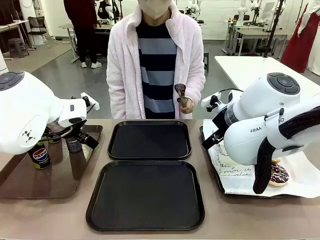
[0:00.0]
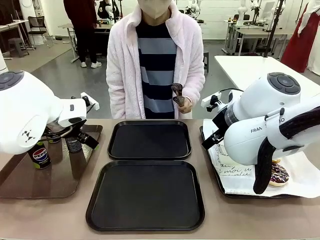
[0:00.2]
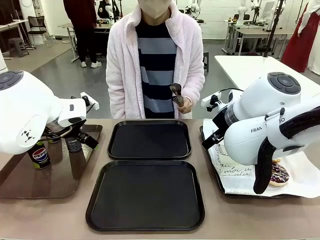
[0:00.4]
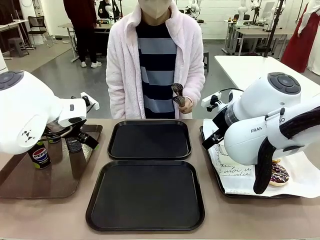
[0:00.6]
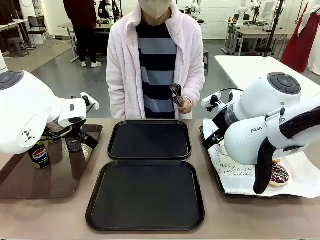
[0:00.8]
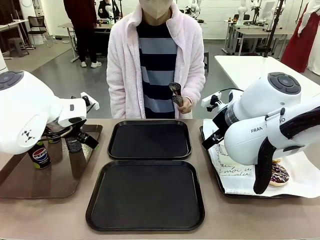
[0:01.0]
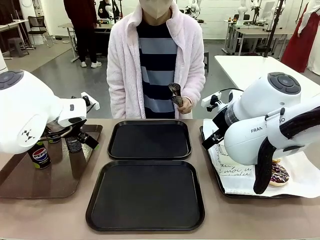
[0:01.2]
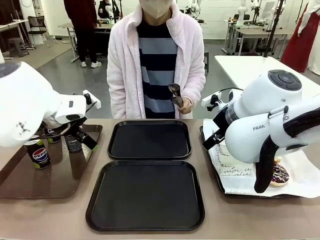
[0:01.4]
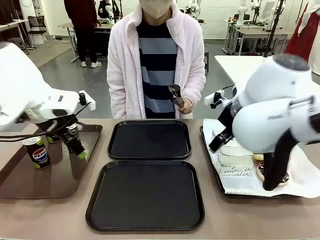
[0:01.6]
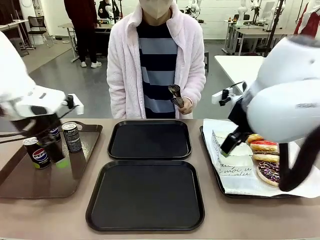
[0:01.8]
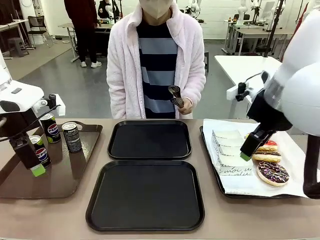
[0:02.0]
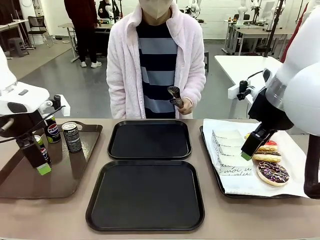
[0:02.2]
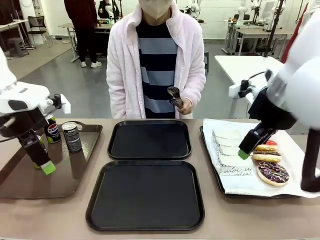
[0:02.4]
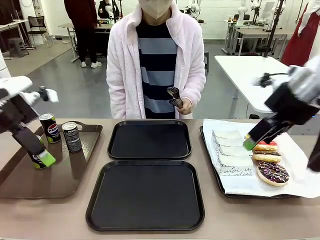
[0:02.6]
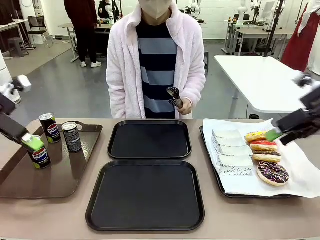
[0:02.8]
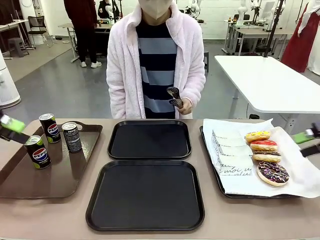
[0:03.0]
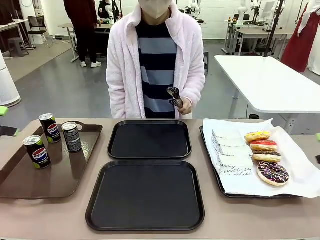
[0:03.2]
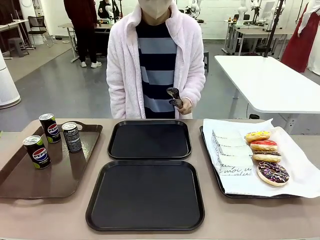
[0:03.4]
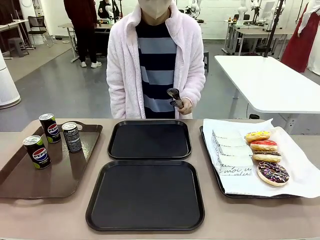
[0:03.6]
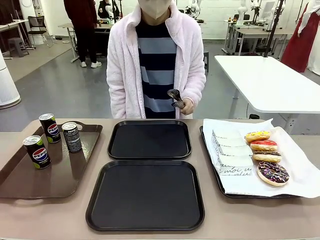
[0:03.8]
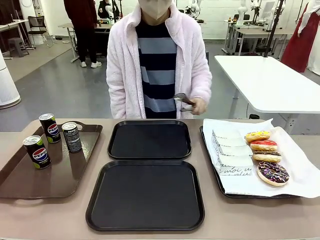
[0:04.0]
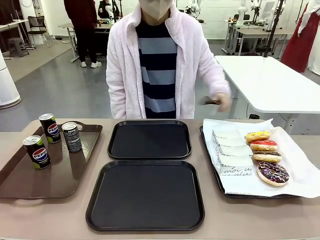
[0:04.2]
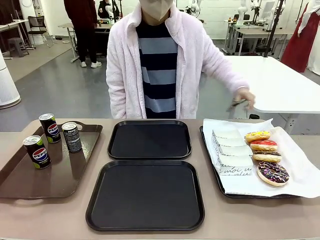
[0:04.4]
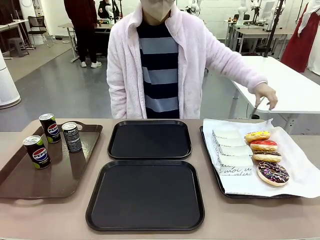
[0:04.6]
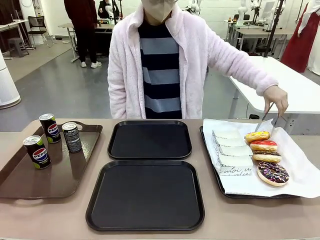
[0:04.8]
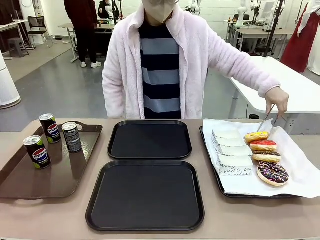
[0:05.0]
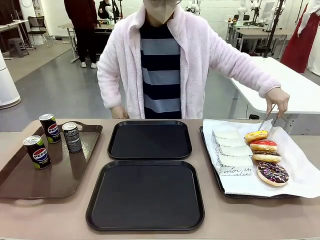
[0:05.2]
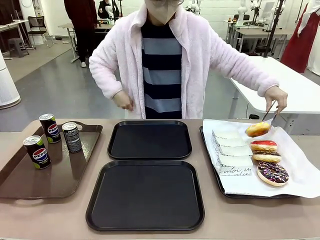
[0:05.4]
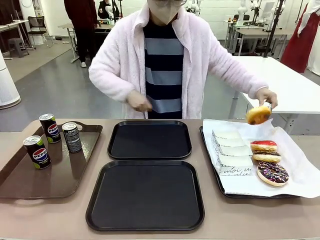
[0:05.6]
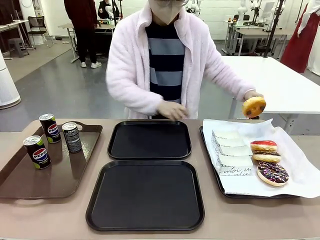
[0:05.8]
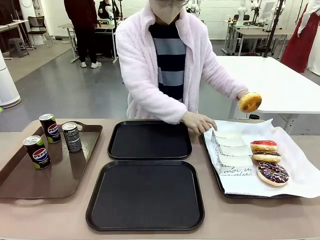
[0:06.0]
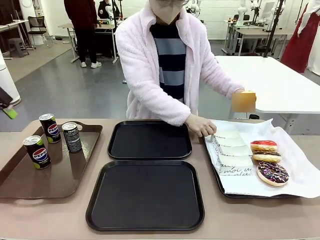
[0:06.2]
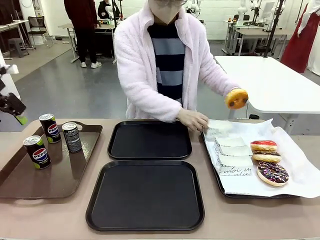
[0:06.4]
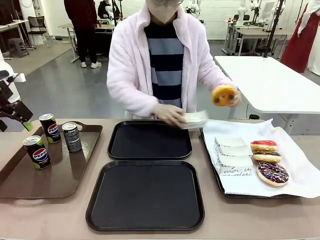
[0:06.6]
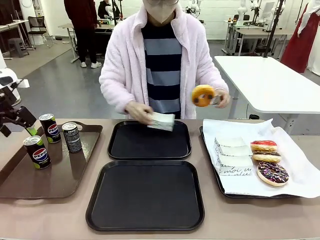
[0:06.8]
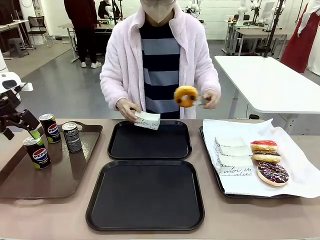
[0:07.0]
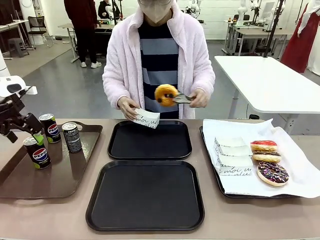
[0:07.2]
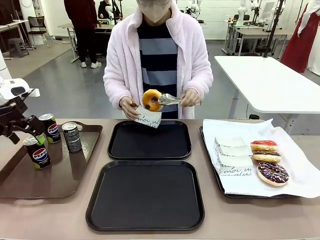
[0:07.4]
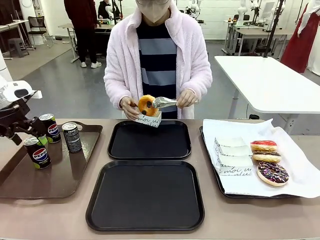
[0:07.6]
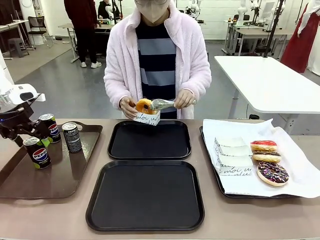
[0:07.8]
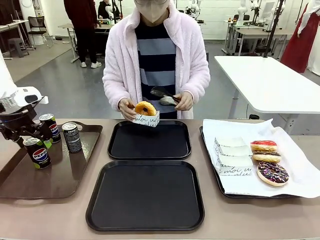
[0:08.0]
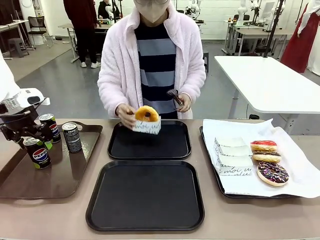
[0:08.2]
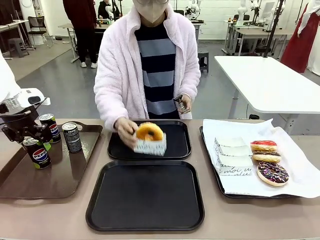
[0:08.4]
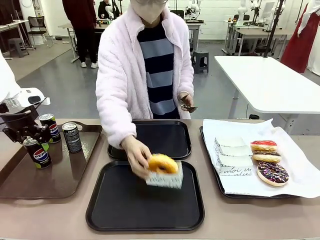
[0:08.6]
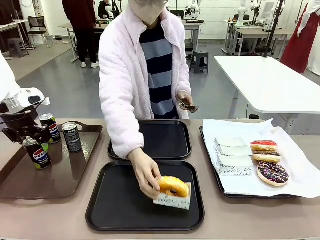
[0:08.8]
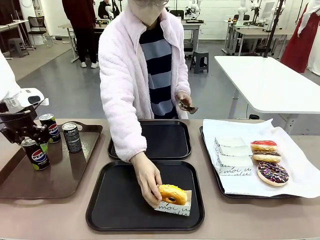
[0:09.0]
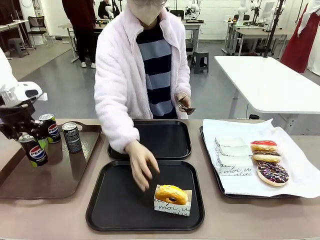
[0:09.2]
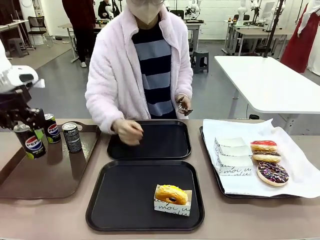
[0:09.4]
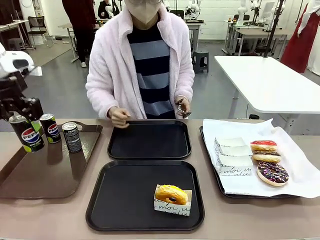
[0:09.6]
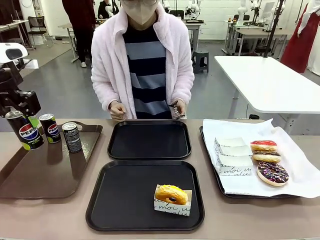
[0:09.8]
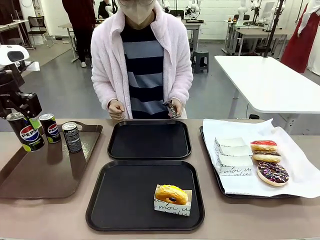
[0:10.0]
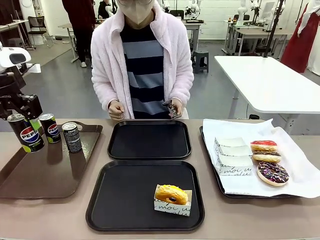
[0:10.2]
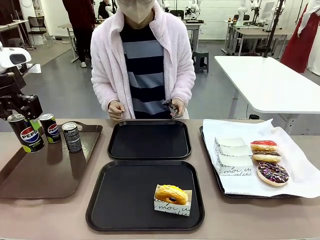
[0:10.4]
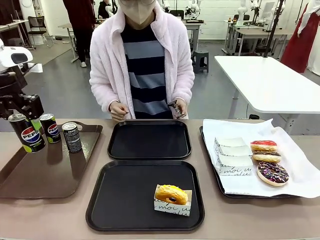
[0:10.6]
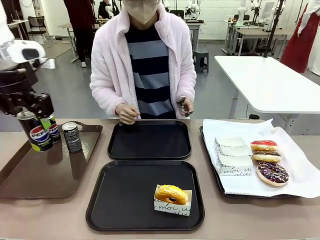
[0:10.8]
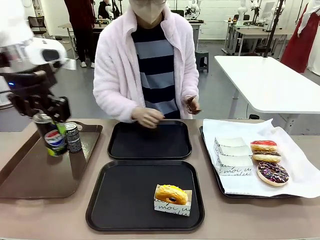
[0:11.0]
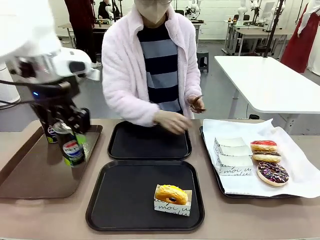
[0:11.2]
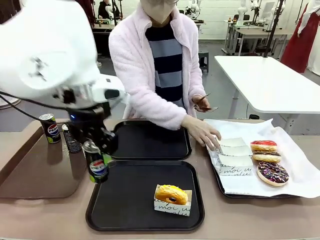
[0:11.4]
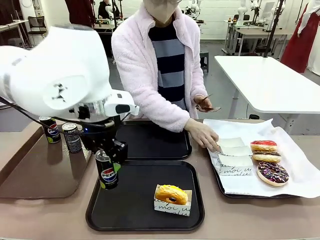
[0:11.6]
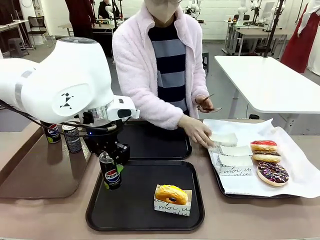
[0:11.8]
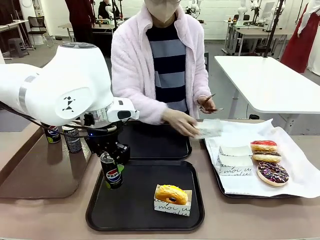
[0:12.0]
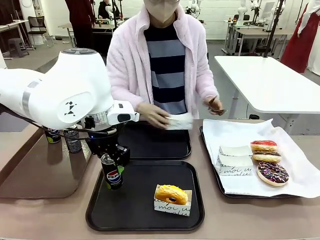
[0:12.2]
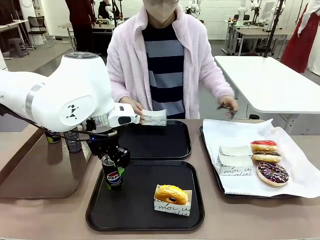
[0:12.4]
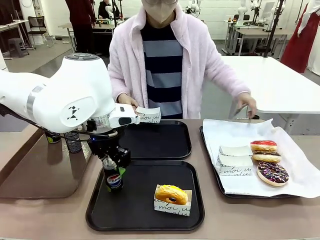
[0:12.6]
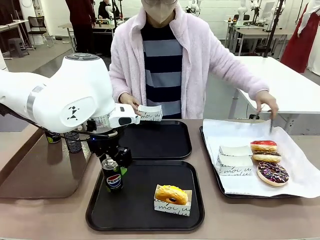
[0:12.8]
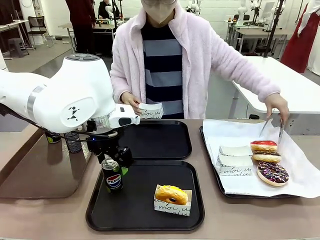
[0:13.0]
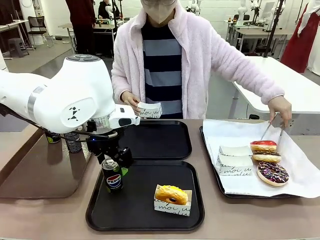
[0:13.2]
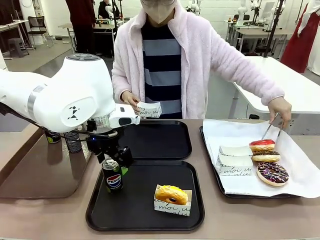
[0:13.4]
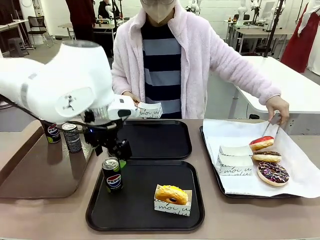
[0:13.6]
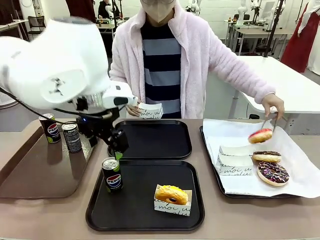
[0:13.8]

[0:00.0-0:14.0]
Task: Set up donuts and drinks on trays.
Robot: Pick up one Pepsi coke and place it on the Flat Tray.

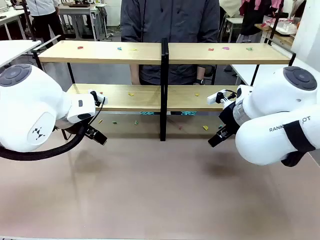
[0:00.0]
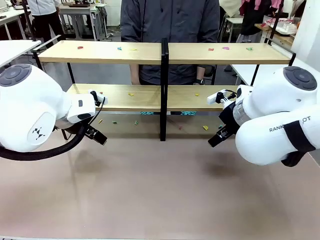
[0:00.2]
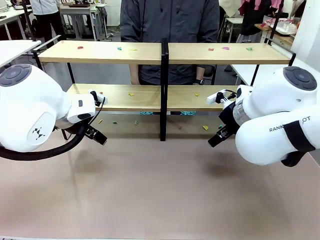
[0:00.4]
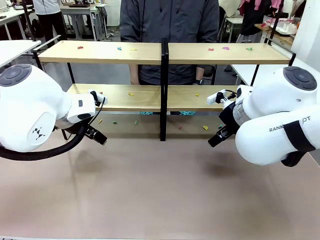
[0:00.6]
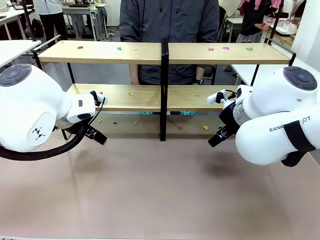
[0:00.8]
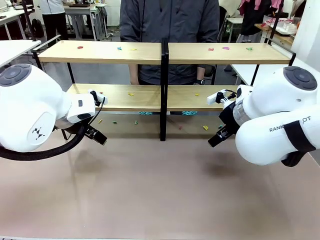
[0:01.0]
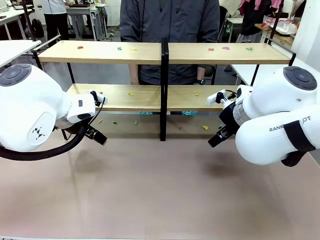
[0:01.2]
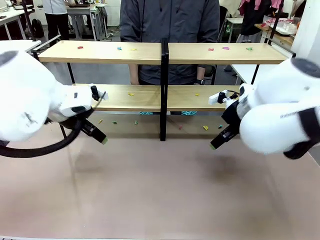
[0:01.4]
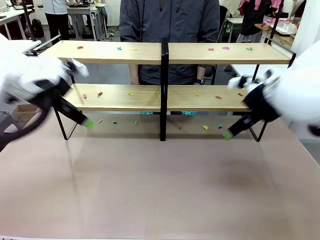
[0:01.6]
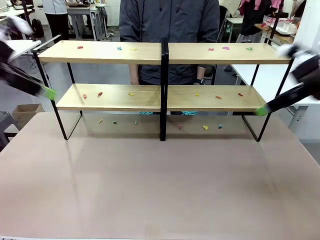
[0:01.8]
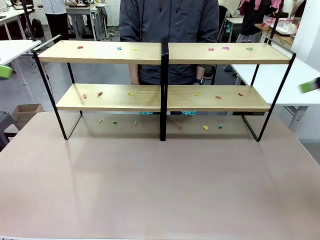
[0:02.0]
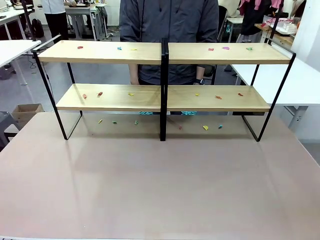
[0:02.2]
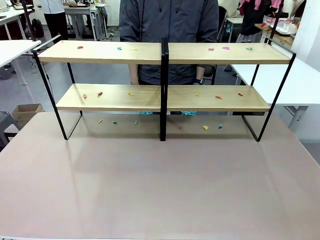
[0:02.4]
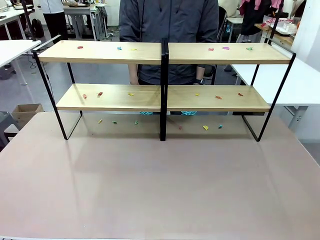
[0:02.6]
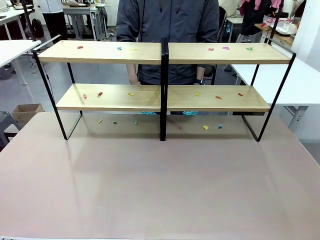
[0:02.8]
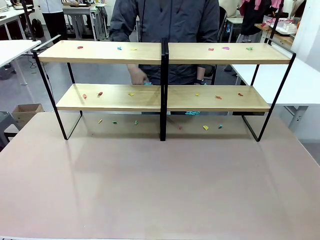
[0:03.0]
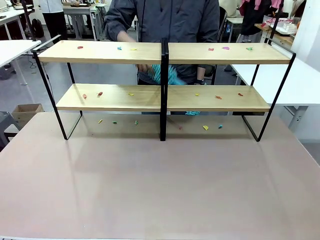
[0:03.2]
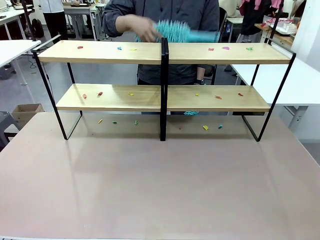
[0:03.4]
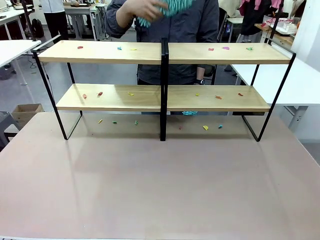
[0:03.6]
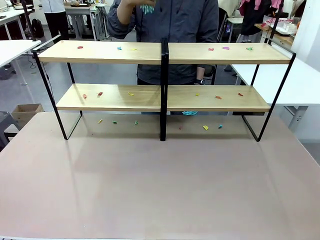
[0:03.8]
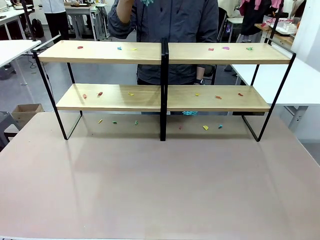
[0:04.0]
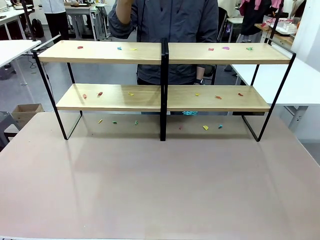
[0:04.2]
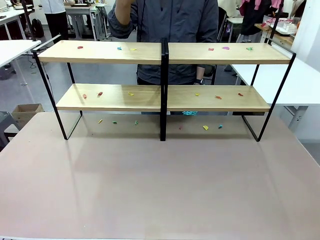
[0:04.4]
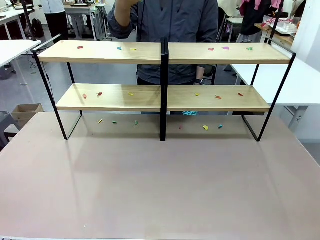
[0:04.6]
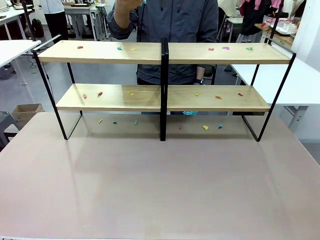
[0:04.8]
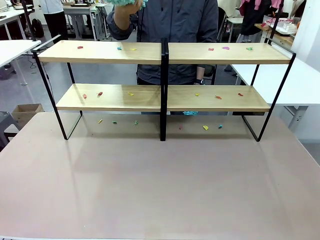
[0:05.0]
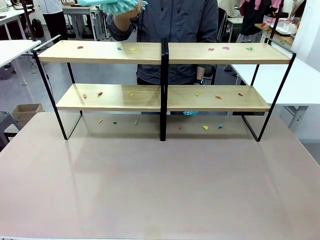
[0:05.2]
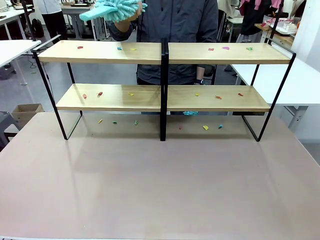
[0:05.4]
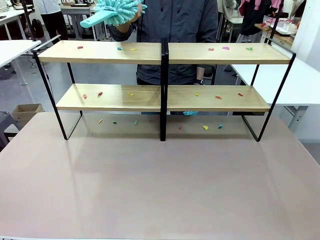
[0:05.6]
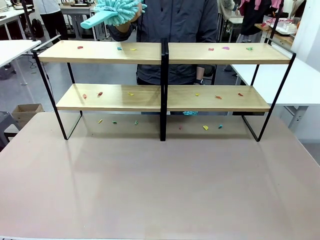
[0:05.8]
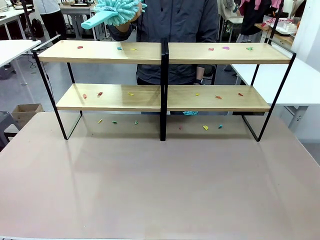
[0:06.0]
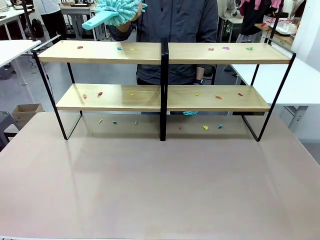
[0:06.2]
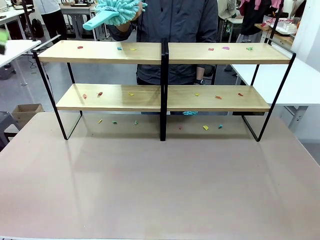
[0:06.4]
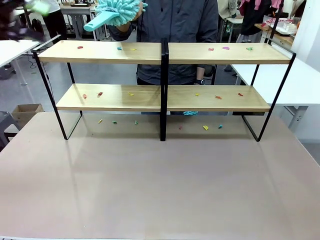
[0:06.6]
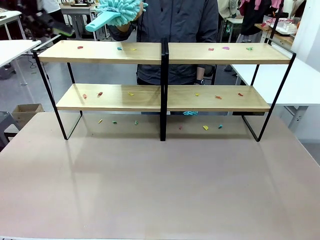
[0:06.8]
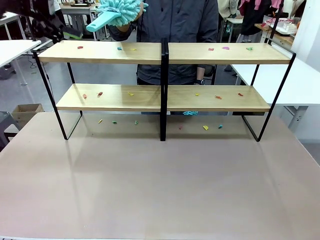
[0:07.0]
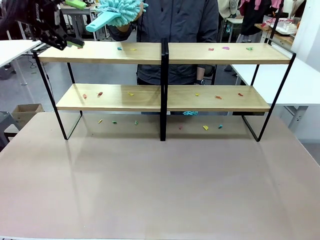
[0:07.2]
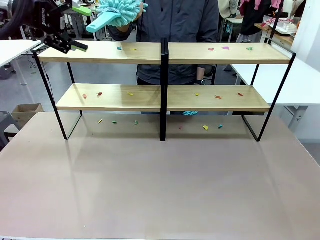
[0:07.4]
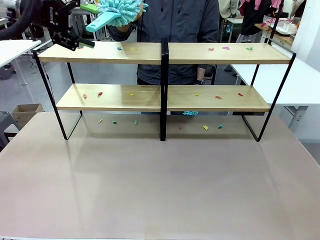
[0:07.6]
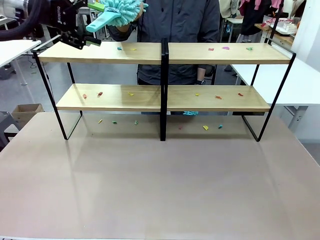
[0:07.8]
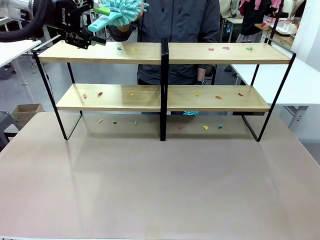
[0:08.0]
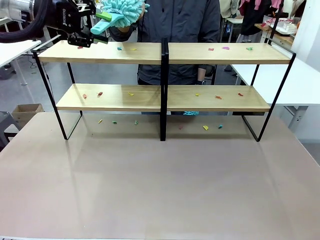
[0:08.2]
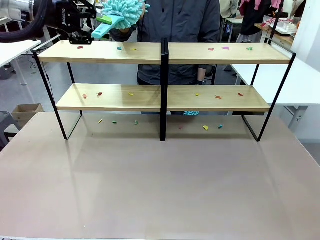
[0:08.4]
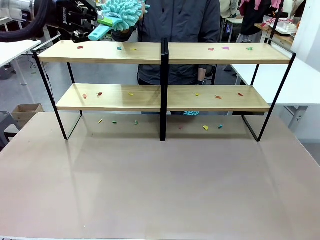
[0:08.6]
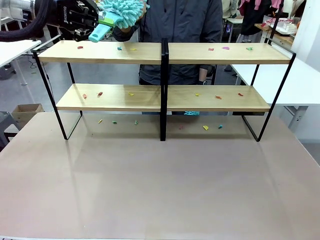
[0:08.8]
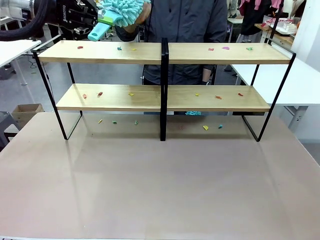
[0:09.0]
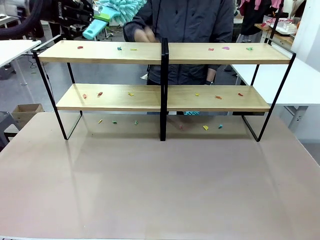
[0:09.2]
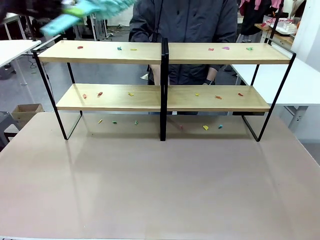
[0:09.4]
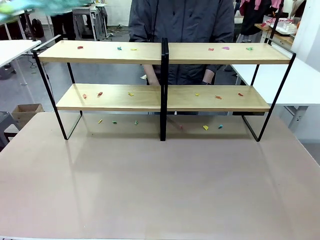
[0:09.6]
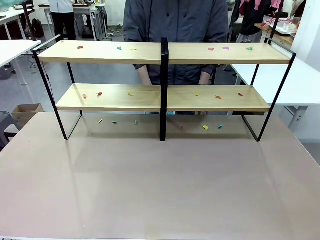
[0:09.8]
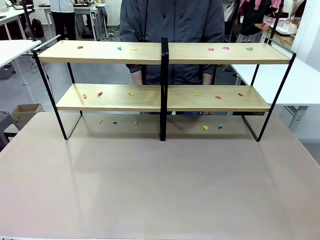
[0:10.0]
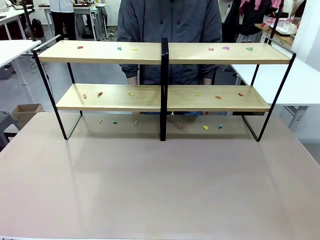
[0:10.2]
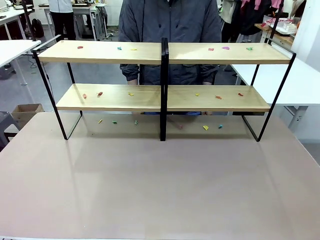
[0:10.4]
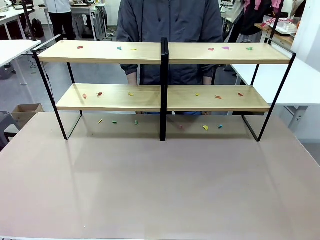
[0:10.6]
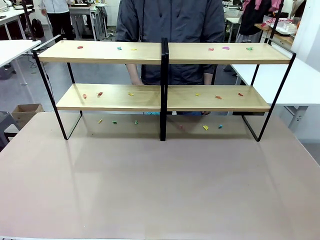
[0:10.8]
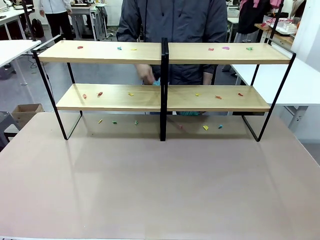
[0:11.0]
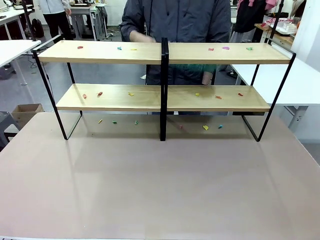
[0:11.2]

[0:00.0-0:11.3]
Task: Clean the shelves.
Robot: Pick up the Duster when the human hands it over.
Person: Hand the Duster to the robot with your right (or left) hand.
